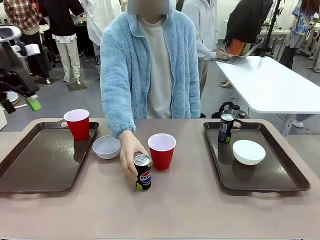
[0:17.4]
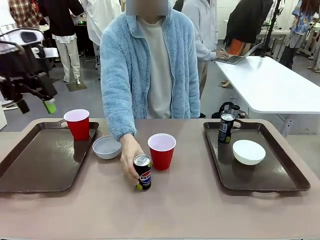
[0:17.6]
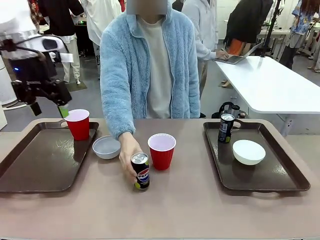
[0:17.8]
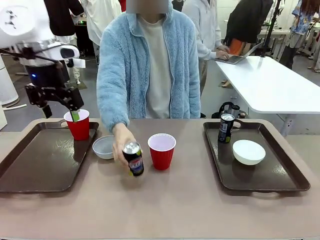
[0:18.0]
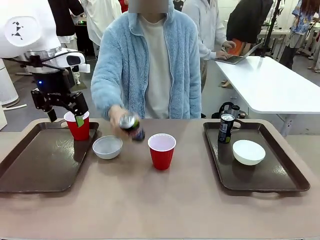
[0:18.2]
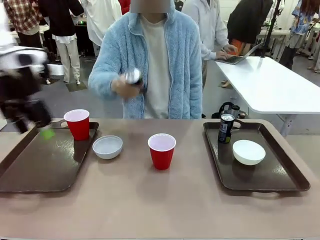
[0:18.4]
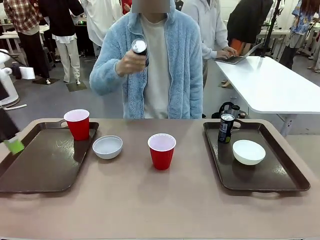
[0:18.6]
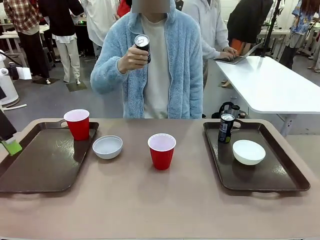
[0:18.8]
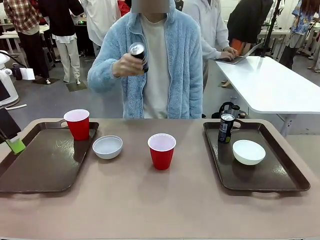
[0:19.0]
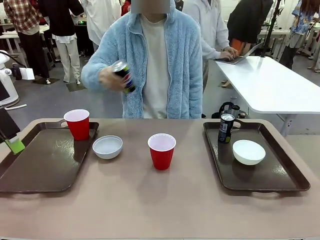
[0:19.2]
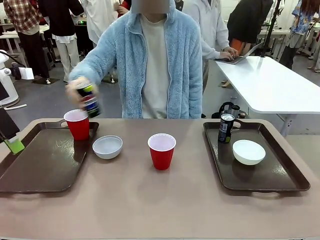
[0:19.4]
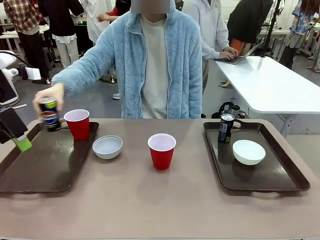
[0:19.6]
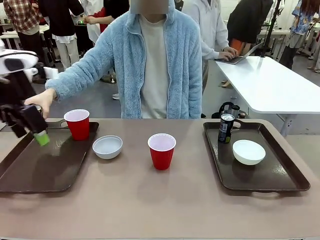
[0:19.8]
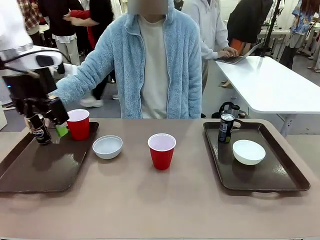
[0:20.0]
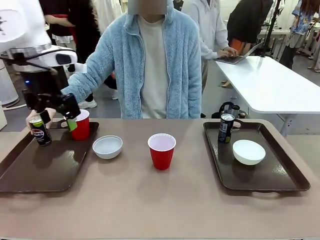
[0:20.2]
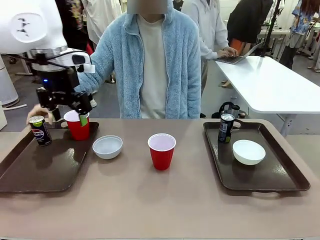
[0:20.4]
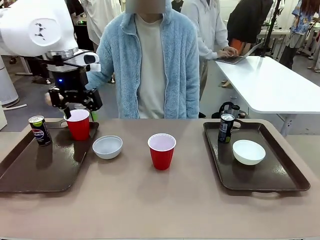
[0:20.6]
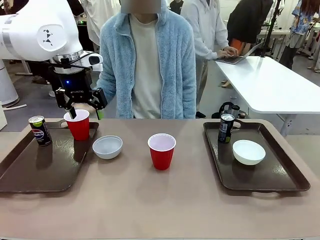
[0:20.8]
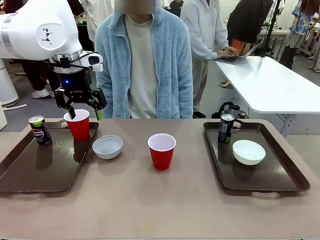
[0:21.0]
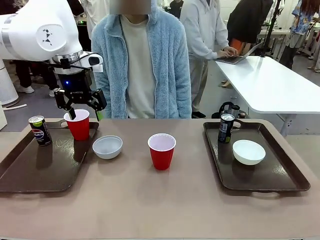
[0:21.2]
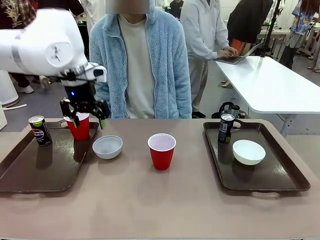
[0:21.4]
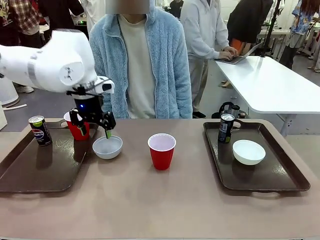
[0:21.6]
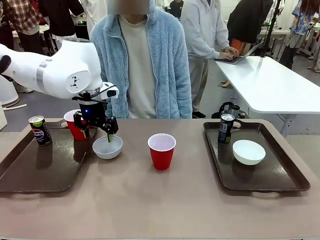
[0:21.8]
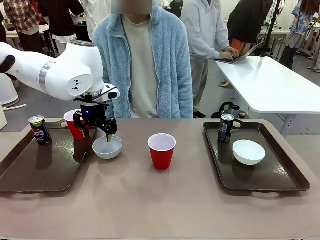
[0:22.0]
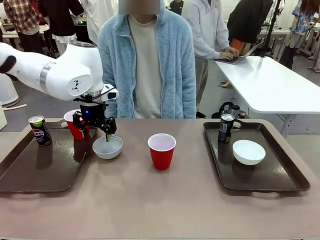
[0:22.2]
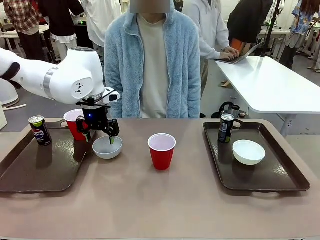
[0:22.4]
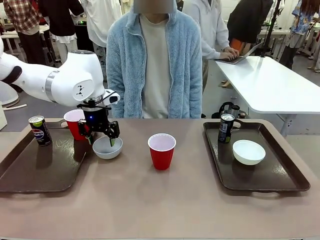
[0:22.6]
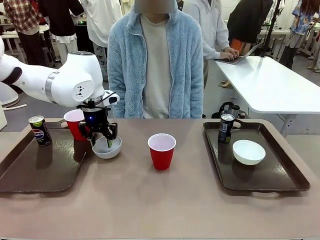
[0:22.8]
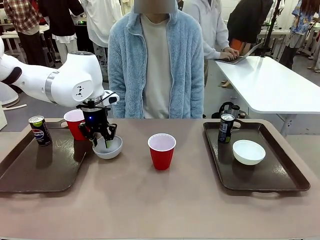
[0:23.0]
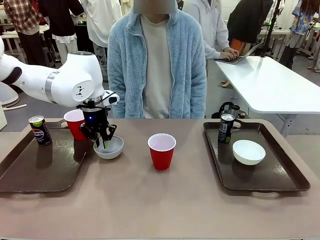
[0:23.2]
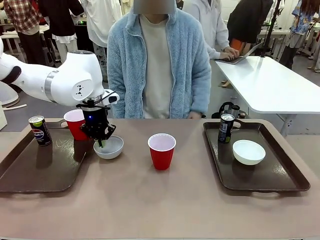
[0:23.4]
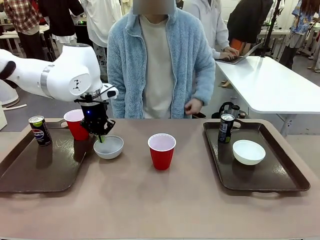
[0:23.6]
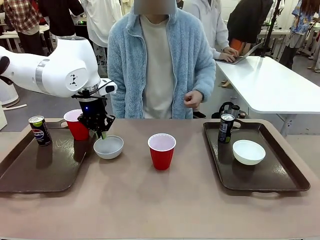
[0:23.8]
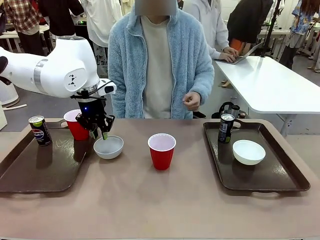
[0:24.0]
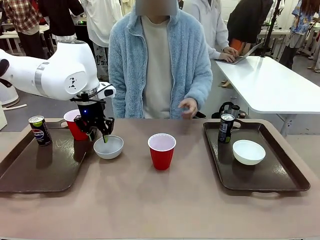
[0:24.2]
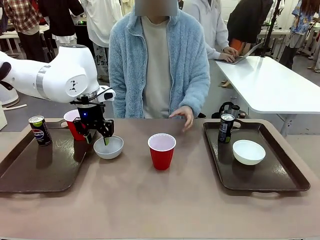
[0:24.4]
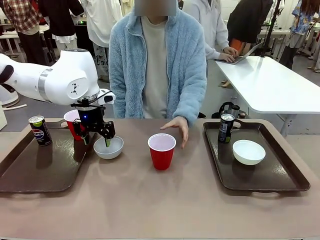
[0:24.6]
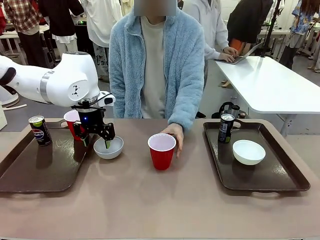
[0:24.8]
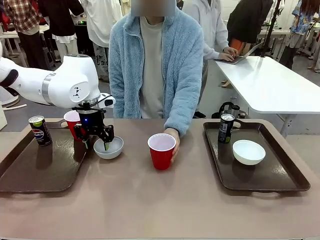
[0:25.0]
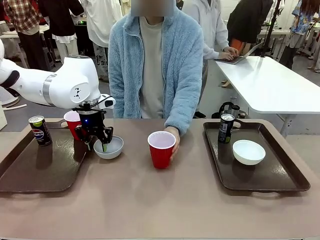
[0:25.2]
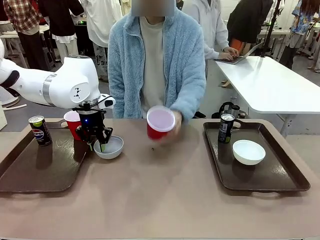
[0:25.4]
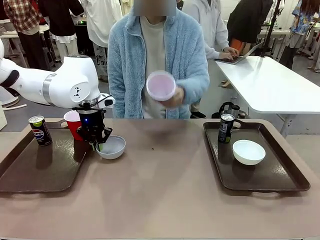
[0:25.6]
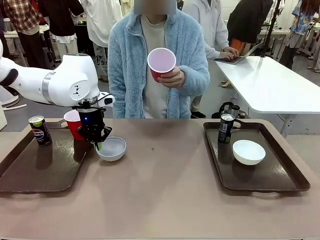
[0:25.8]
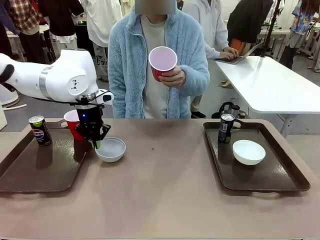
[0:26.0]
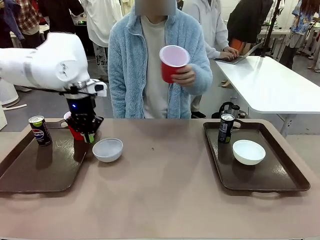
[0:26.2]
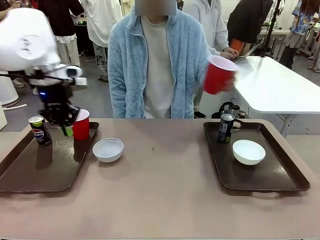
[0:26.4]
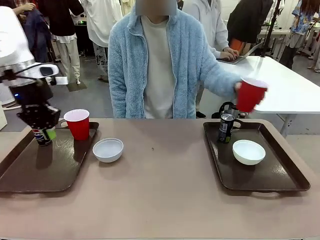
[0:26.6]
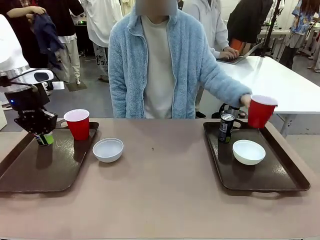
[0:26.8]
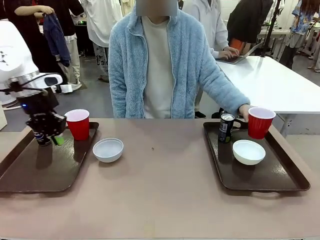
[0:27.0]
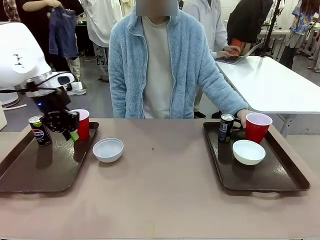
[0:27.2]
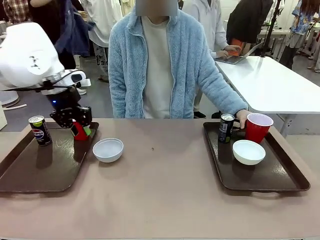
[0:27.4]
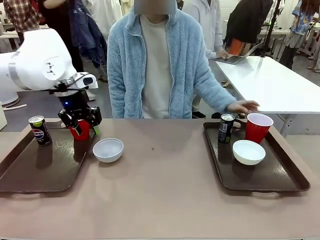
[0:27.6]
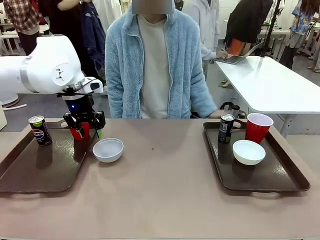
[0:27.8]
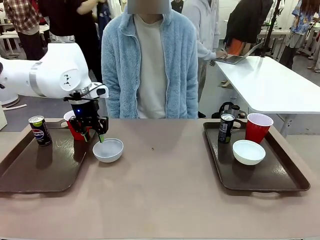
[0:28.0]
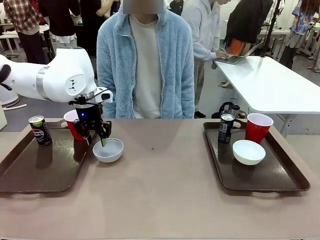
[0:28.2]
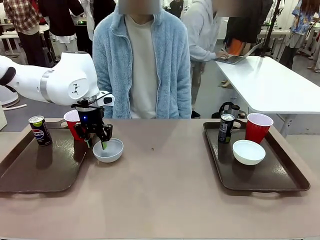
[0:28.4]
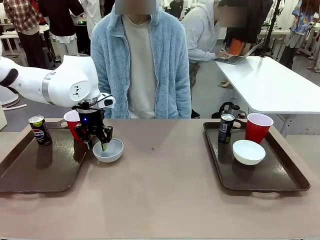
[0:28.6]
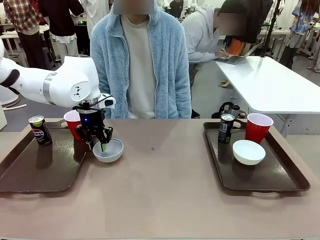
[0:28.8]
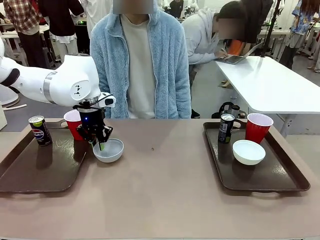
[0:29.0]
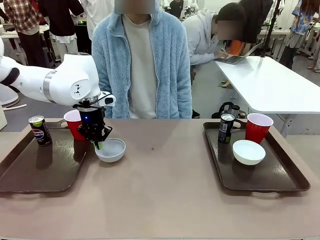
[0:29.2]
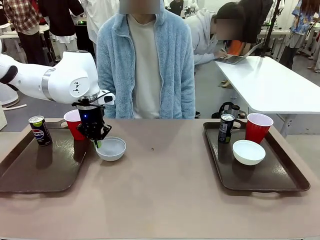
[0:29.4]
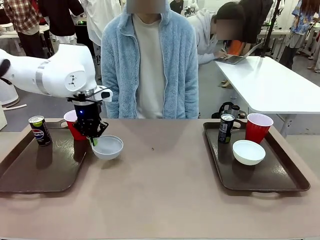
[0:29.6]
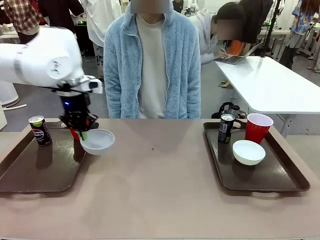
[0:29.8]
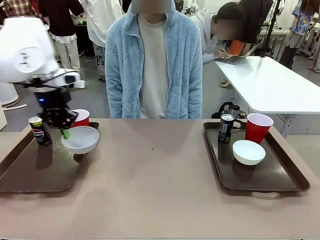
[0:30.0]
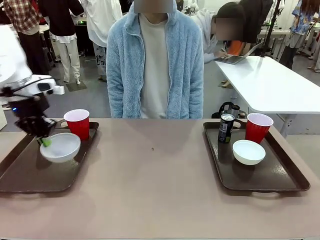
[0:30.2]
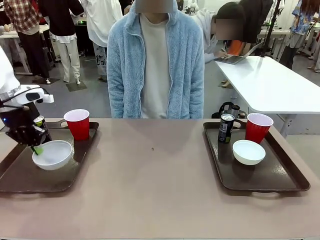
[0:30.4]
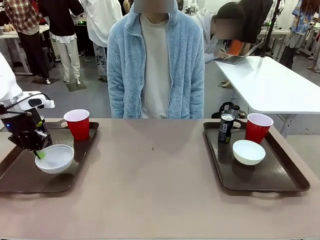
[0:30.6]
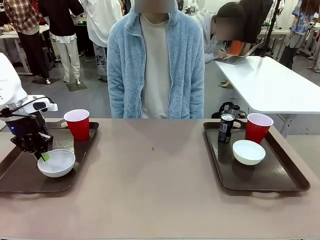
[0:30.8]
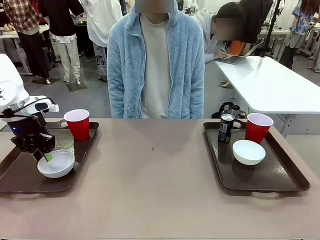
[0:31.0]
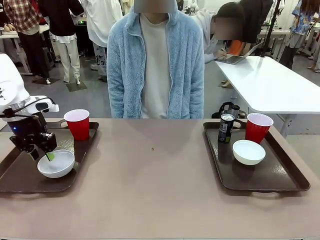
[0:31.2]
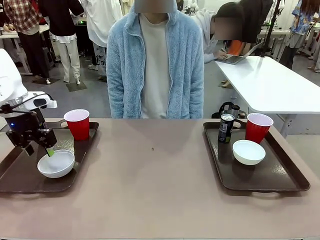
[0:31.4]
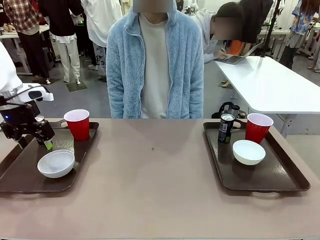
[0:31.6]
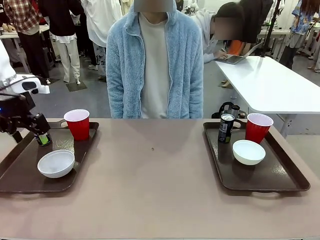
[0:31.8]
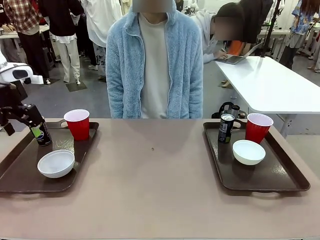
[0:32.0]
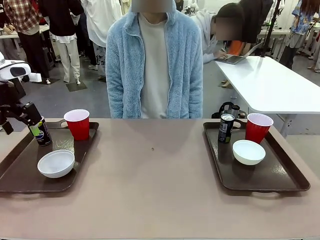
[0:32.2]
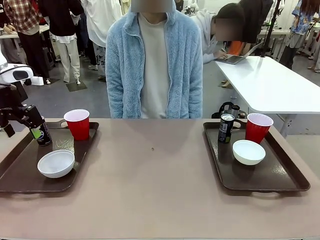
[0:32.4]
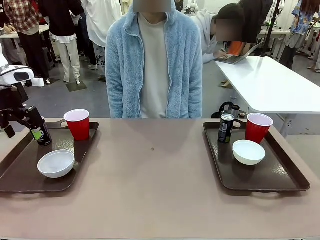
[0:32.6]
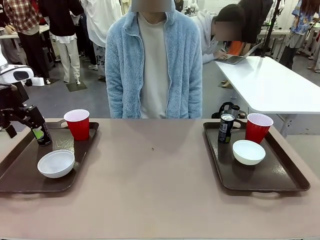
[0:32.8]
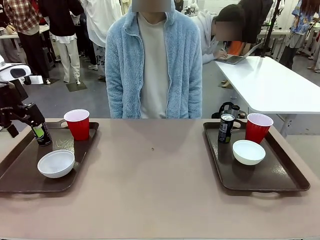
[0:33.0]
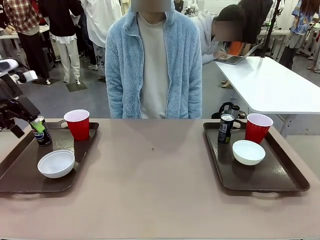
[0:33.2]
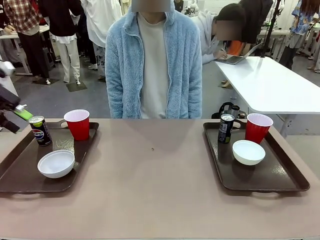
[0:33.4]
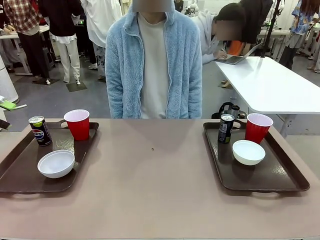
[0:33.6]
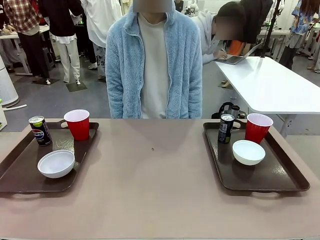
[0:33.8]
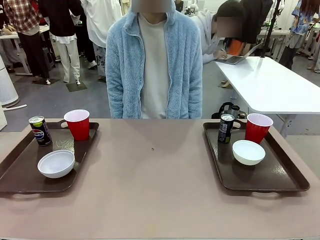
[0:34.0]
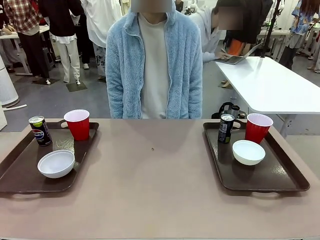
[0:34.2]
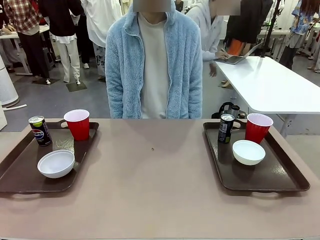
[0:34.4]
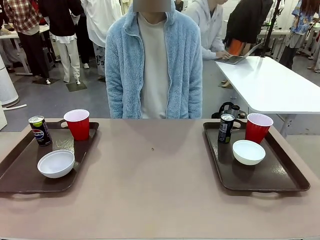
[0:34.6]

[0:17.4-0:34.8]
Task: Prepare tableware on both trays.
Robot: Pick up a Picnic Bowl from the table and place it on a Handle tray.
Person: Pick up a can or cup and place it on the tray without a can or cup.
